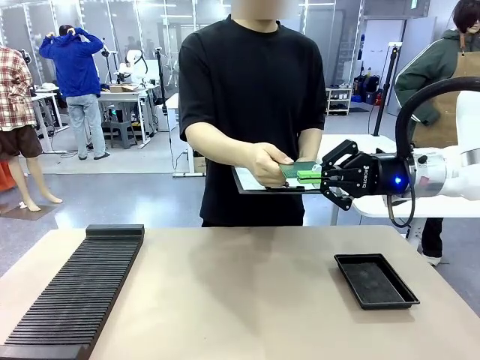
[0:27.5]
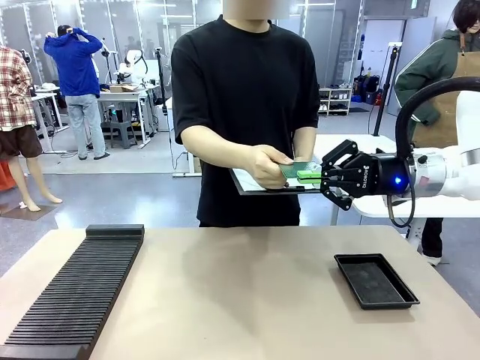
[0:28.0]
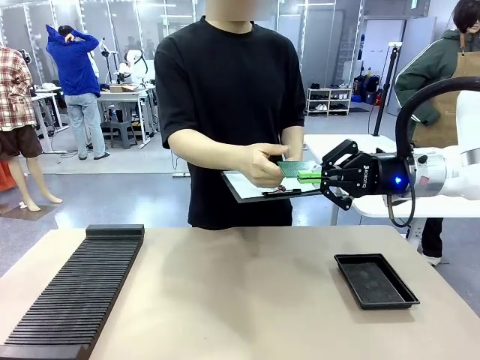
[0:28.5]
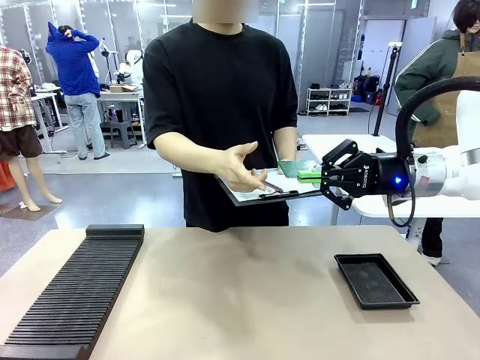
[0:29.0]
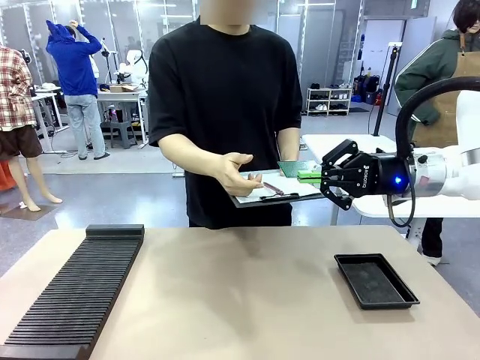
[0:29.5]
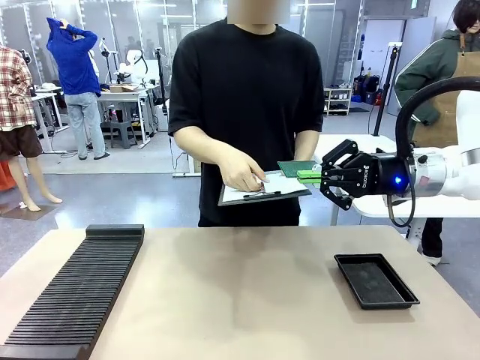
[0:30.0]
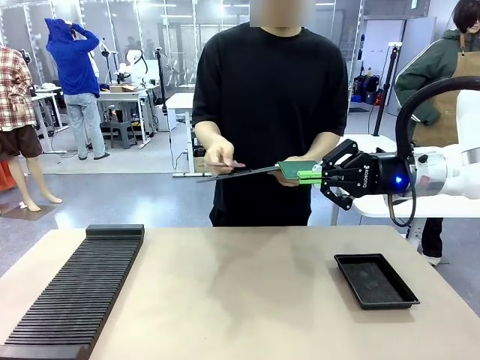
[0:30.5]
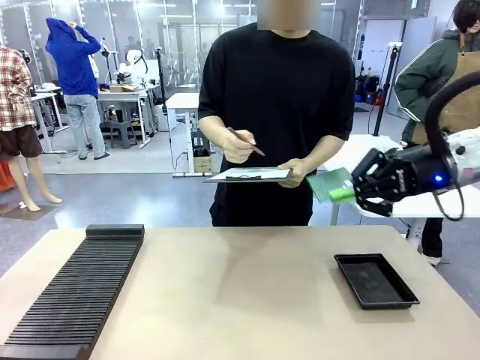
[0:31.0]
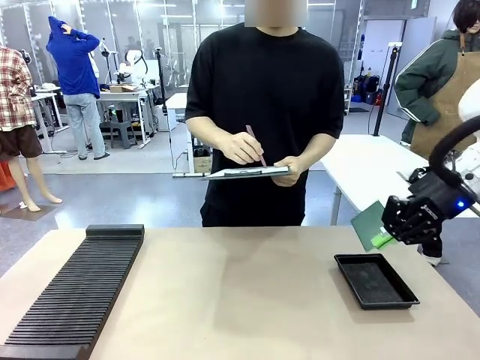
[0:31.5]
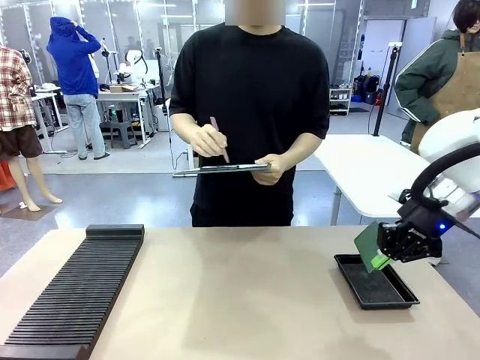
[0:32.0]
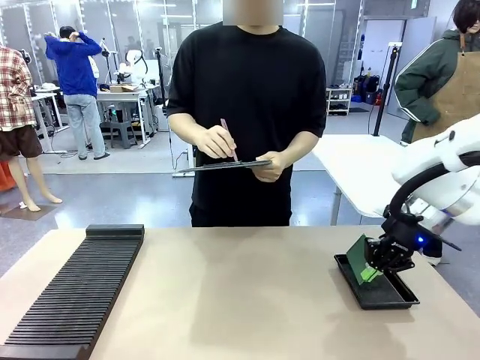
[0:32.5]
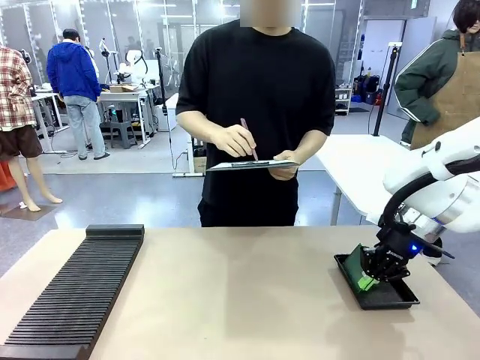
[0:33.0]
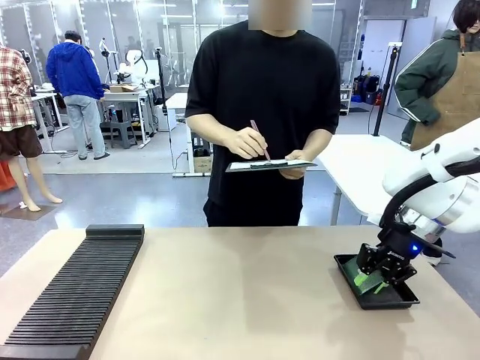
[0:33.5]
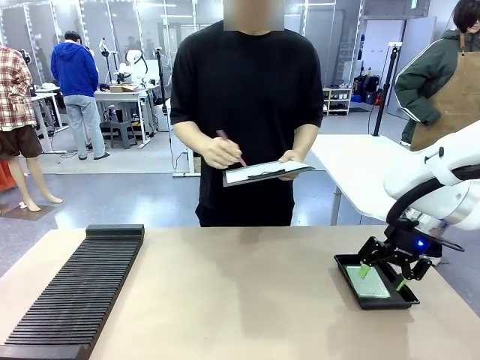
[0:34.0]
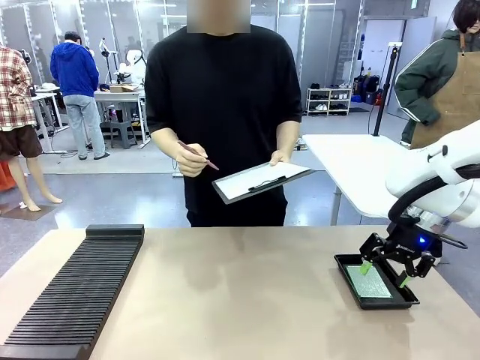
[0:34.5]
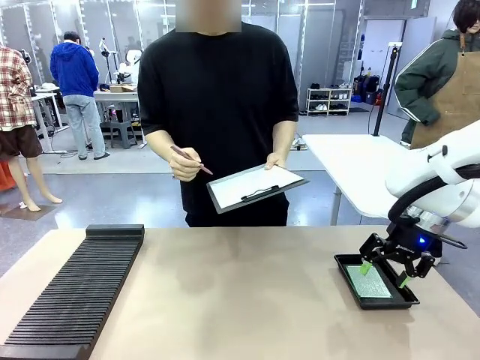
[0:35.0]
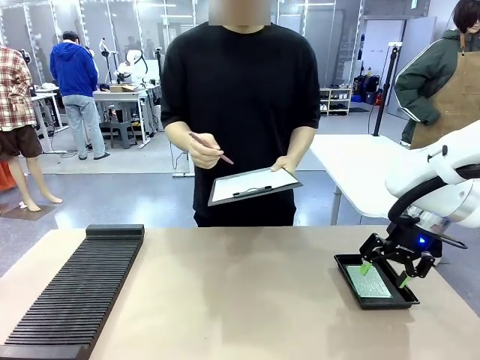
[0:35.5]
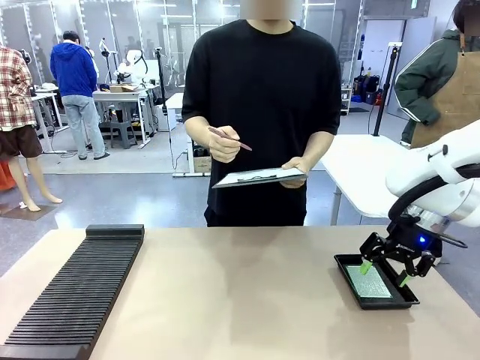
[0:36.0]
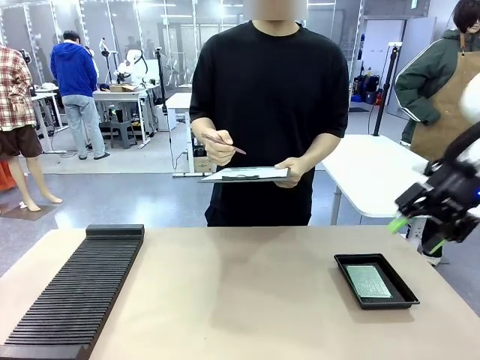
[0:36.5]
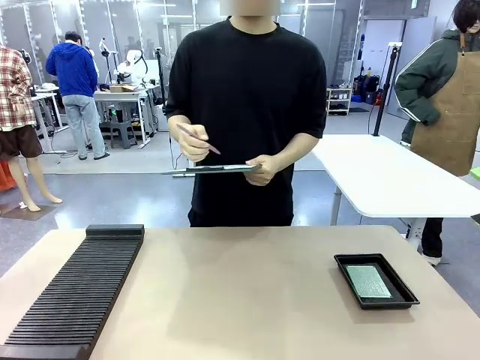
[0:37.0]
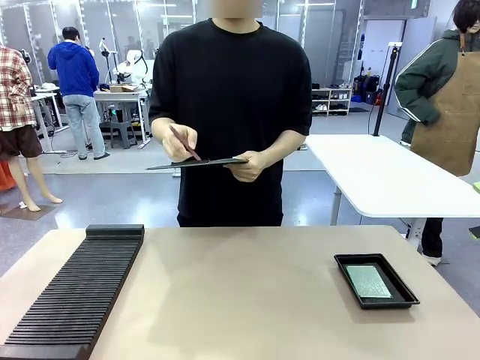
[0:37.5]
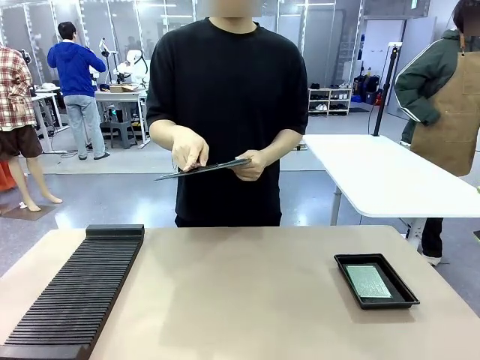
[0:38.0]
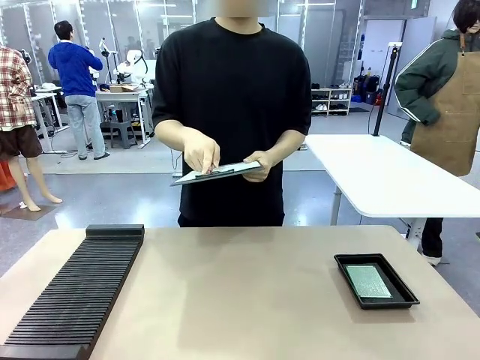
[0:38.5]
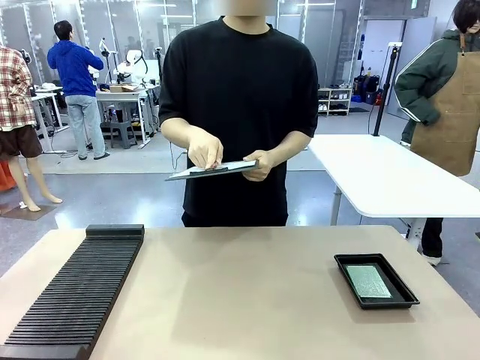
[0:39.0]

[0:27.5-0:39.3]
Task: Inspect the PCB.
Robot: Place the Blank PCB in the ESD tray.
Person: Record the PCB status on the paper.

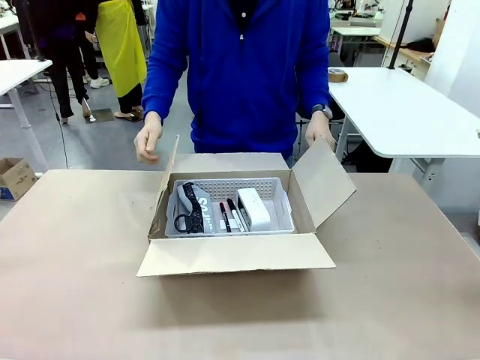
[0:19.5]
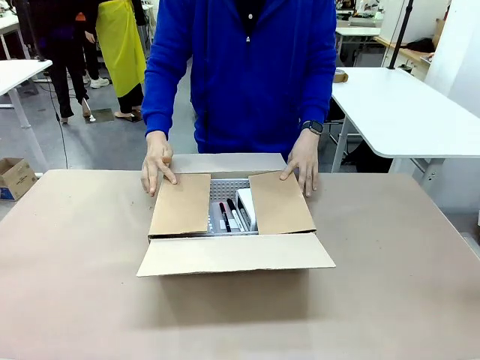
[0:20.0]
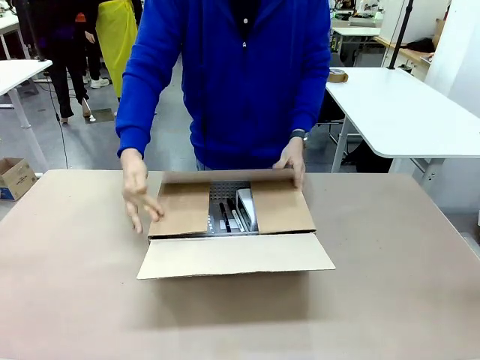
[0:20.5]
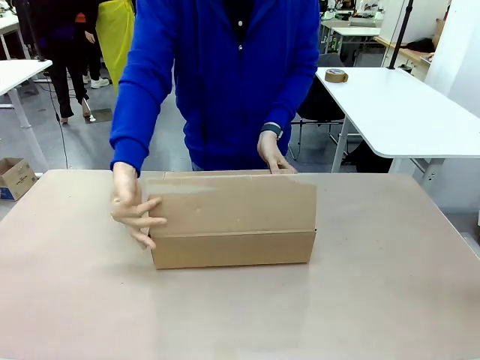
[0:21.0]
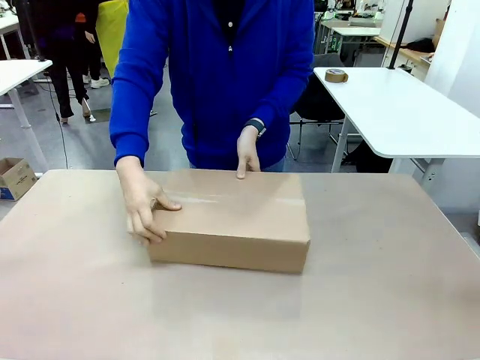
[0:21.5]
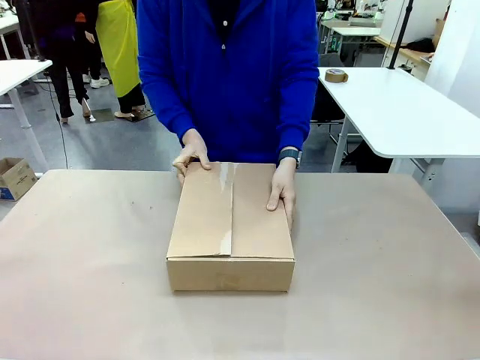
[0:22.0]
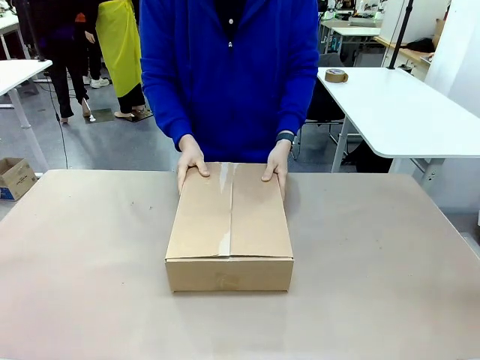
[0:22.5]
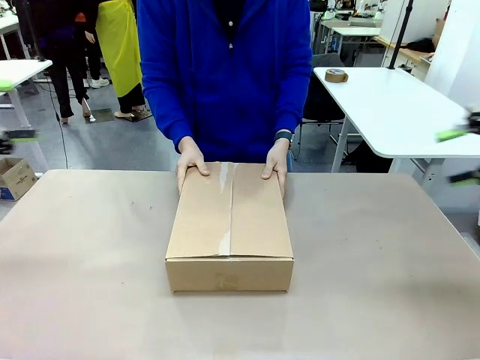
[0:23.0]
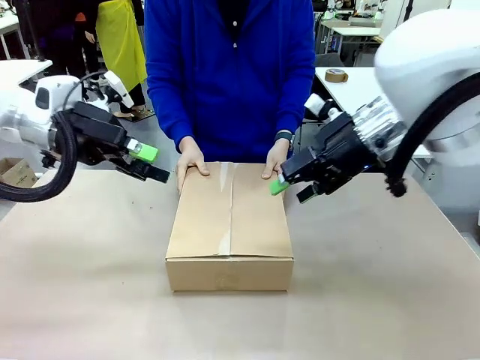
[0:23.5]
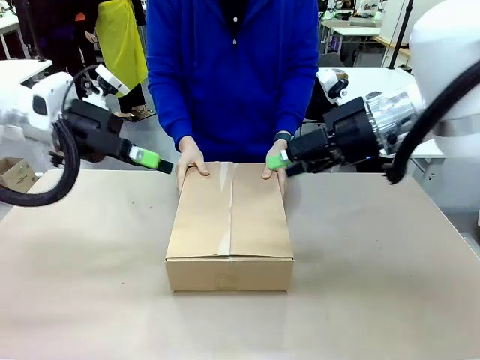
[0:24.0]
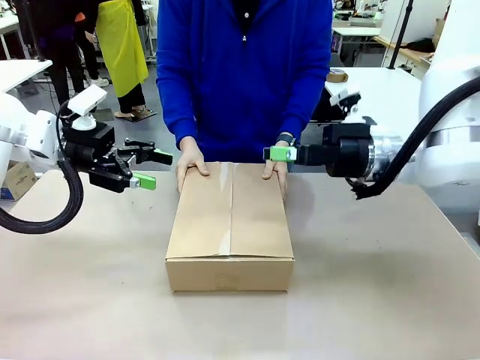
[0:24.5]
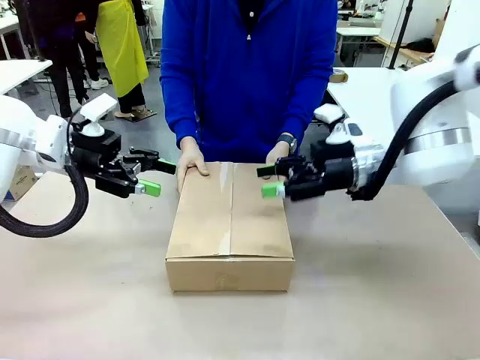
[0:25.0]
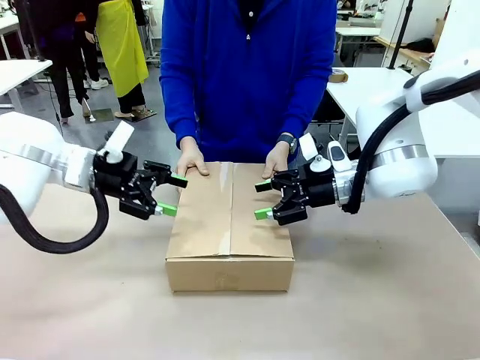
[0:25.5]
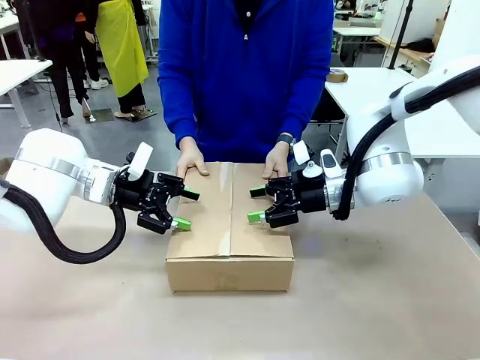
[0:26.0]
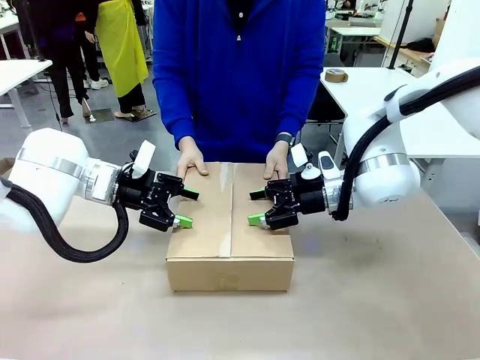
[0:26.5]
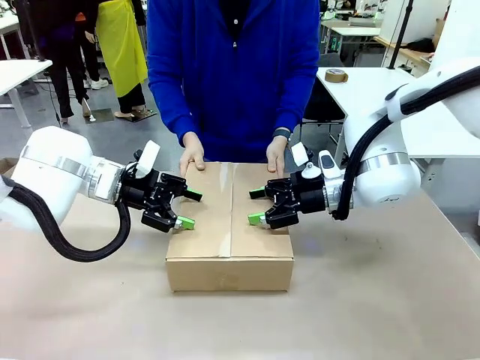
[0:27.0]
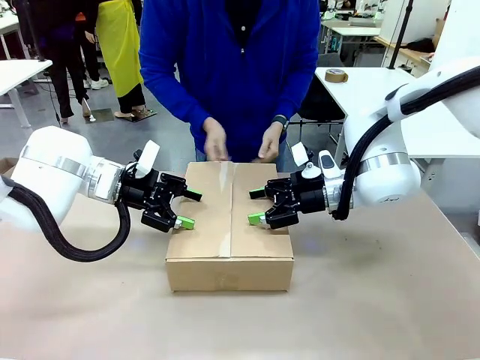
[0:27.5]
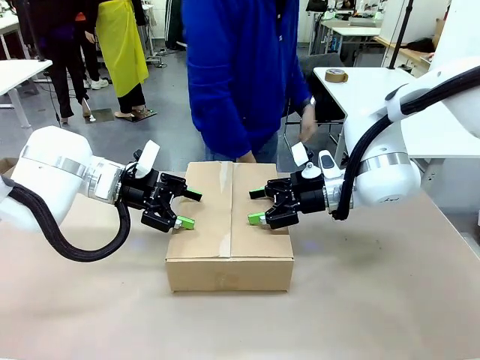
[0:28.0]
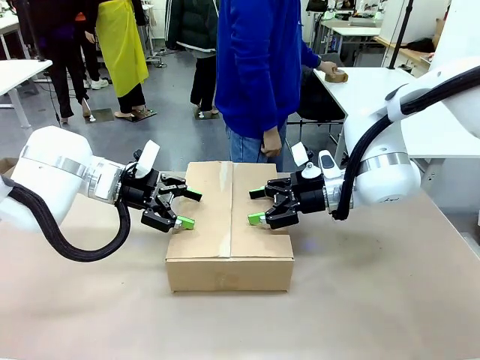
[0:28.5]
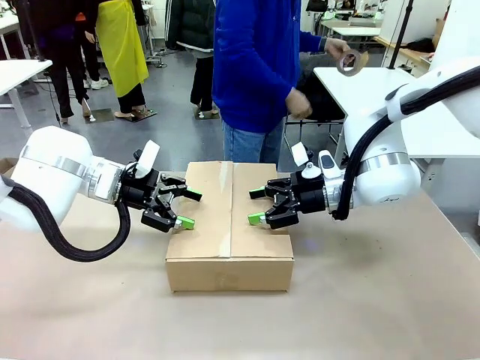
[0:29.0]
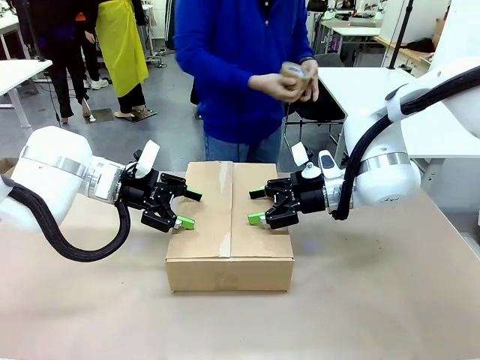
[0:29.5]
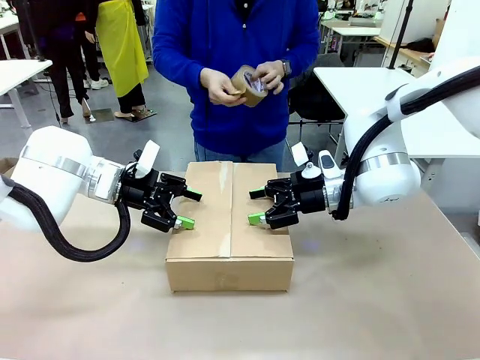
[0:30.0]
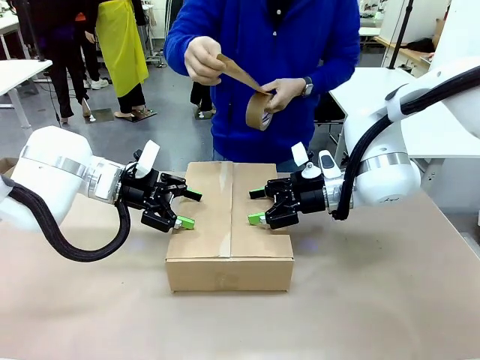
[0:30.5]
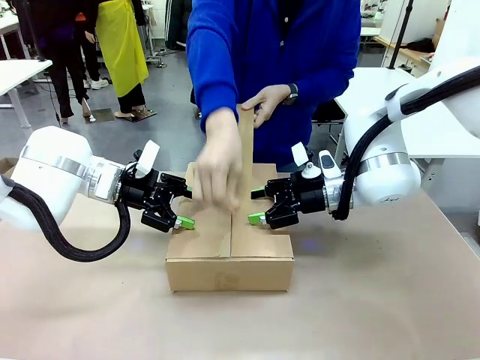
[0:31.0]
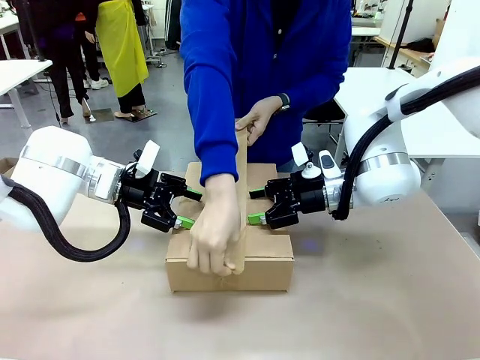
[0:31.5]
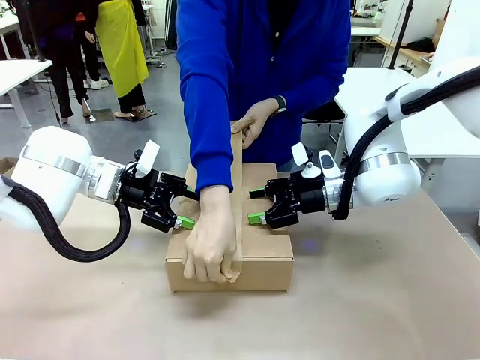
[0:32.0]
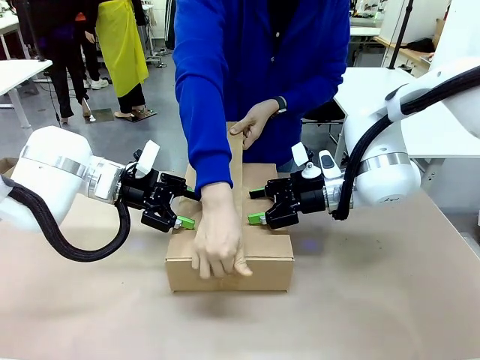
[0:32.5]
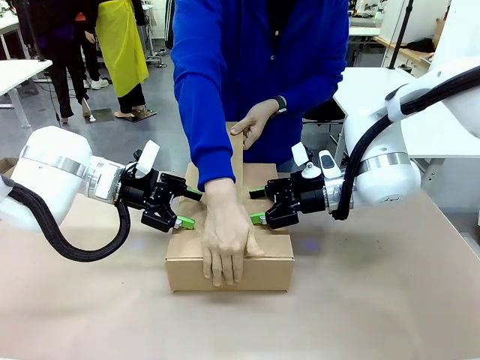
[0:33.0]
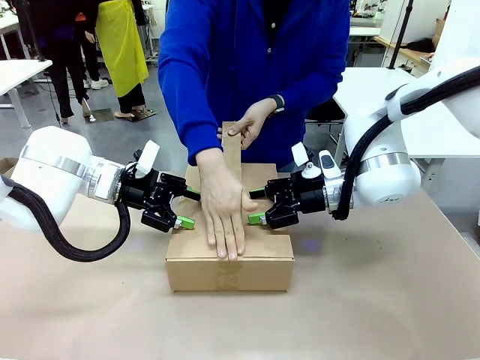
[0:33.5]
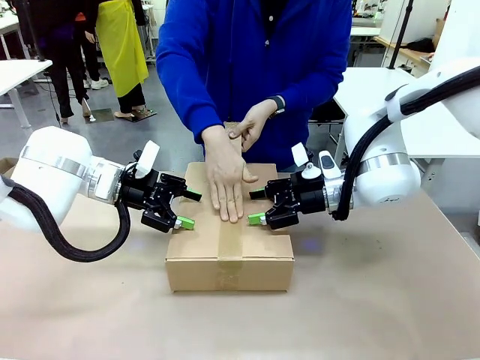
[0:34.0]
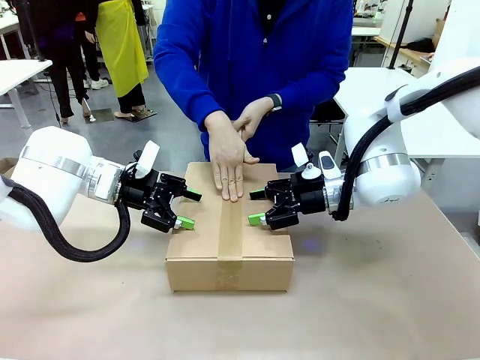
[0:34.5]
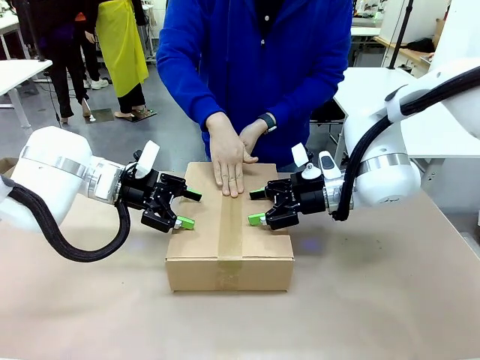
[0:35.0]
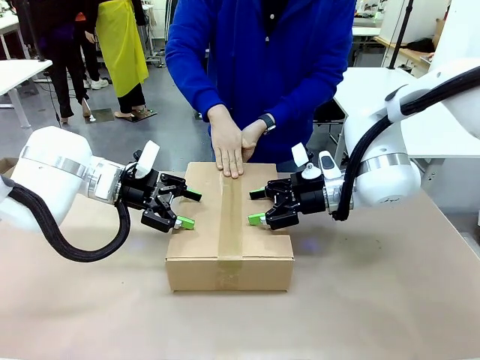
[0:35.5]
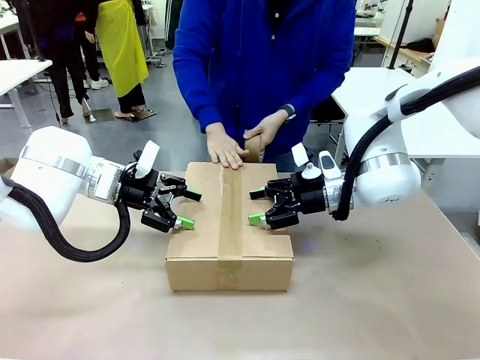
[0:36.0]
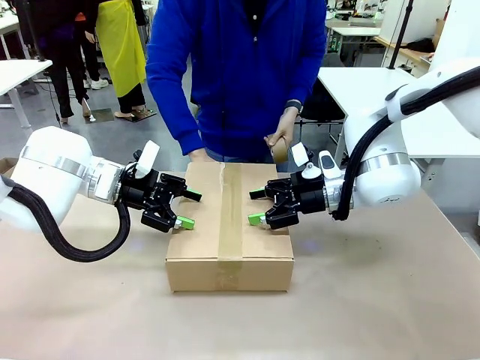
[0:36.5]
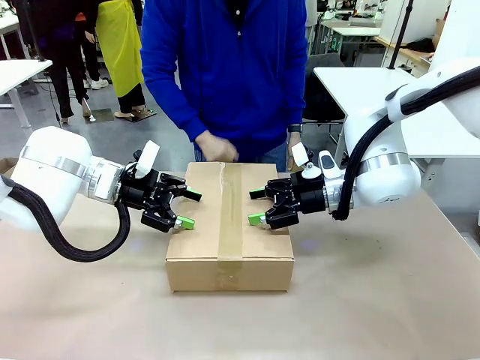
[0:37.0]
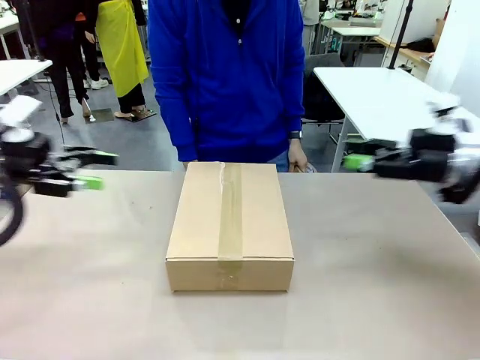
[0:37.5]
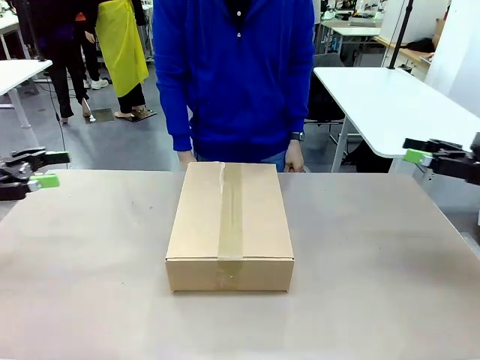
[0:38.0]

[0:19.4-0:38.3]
Task: Pack the gift set into the box.
Robot: Press and hold the closed box until the human finishes sealing it.
Person: The human closes the box and rotates the box by 90 degrees. The human picks up the paper tape from the human table and packs the box.
